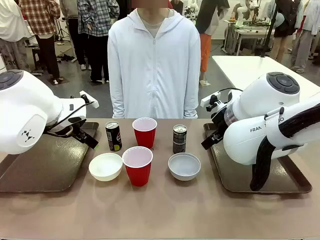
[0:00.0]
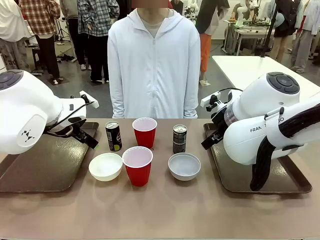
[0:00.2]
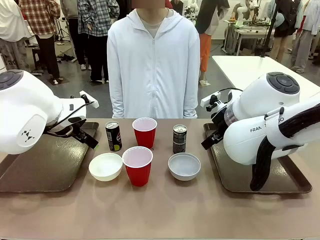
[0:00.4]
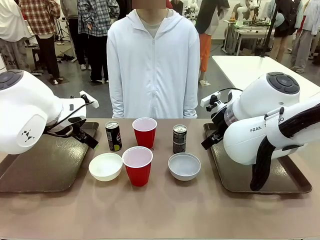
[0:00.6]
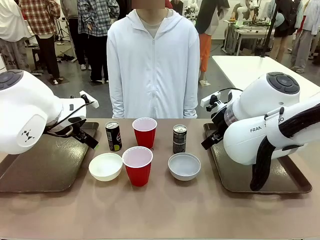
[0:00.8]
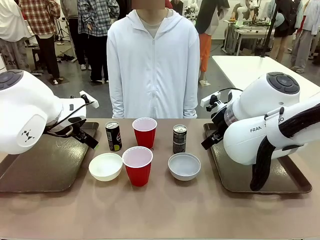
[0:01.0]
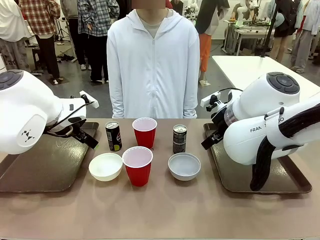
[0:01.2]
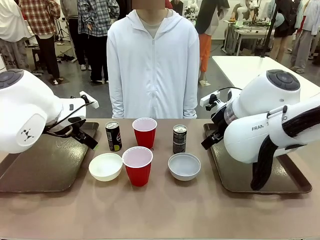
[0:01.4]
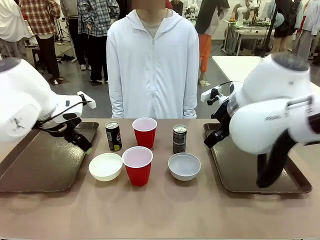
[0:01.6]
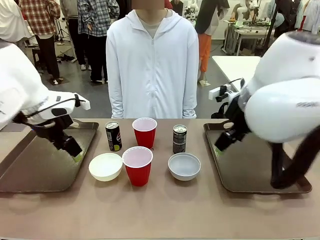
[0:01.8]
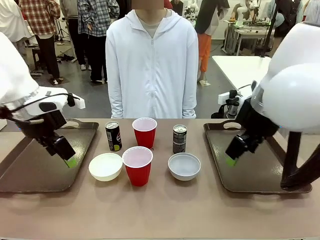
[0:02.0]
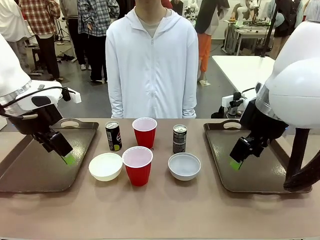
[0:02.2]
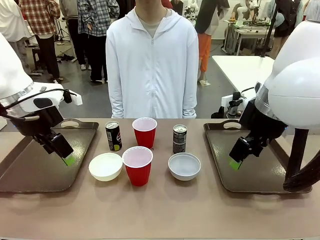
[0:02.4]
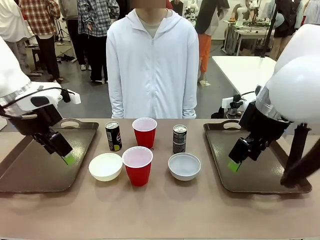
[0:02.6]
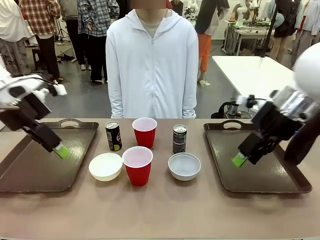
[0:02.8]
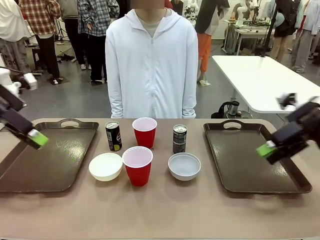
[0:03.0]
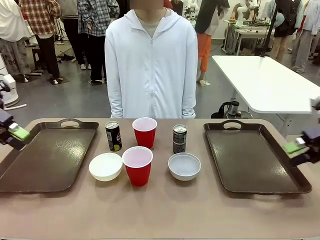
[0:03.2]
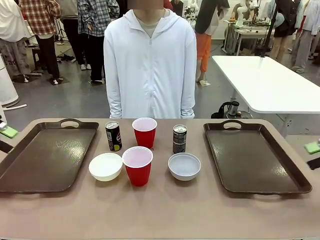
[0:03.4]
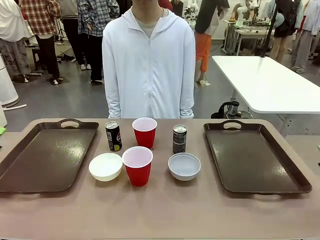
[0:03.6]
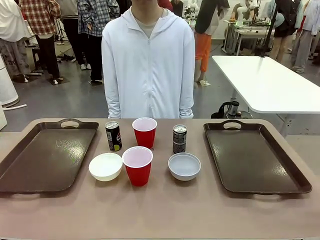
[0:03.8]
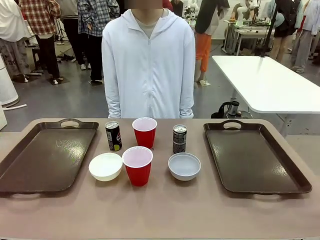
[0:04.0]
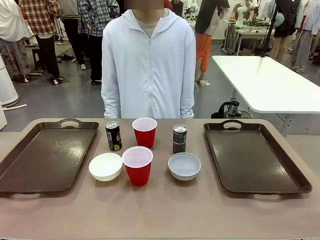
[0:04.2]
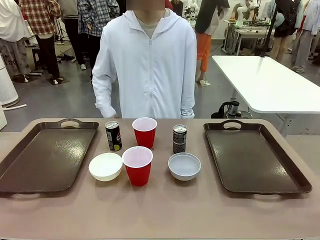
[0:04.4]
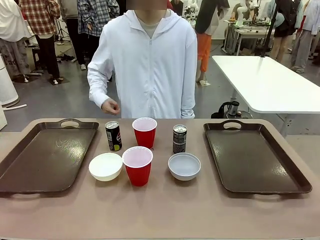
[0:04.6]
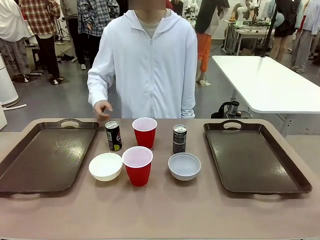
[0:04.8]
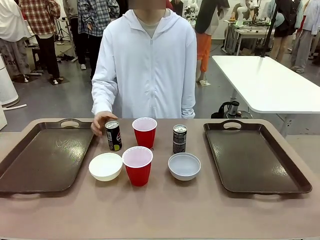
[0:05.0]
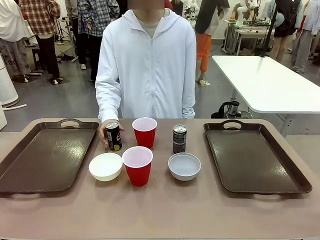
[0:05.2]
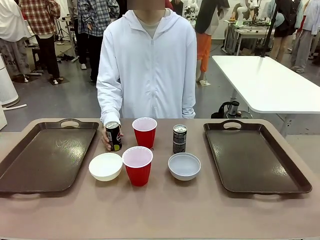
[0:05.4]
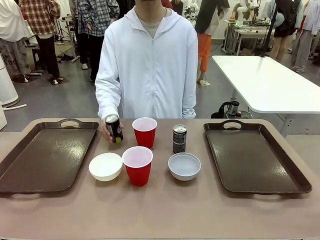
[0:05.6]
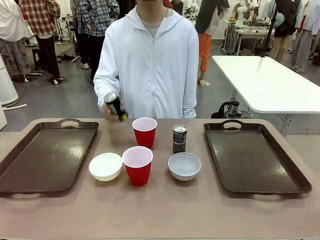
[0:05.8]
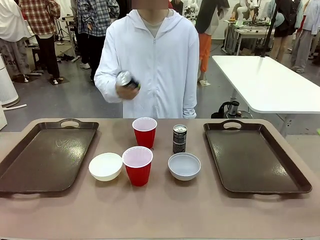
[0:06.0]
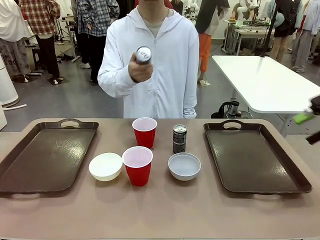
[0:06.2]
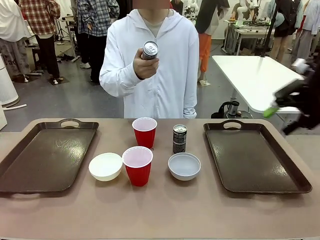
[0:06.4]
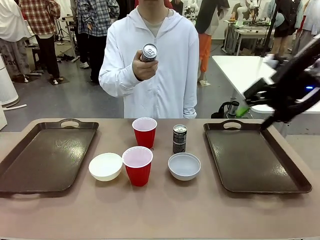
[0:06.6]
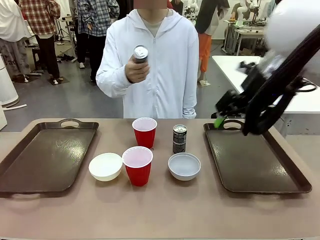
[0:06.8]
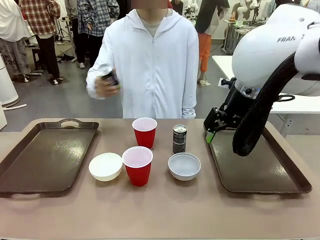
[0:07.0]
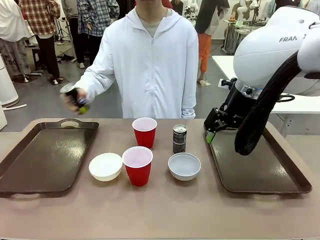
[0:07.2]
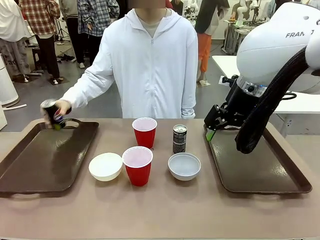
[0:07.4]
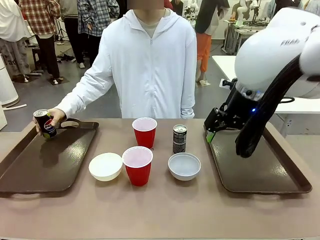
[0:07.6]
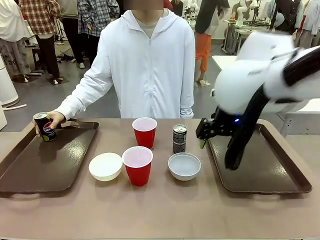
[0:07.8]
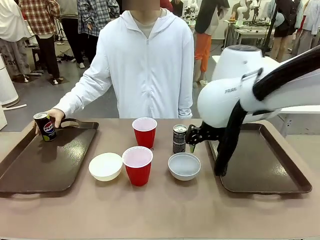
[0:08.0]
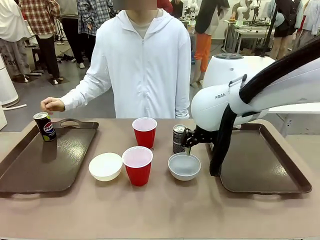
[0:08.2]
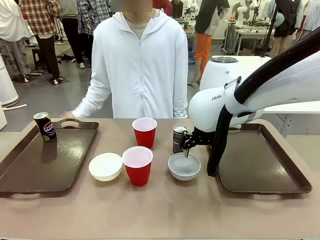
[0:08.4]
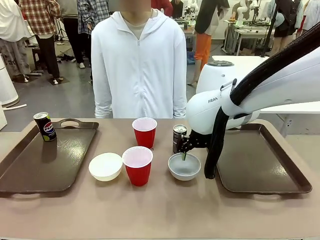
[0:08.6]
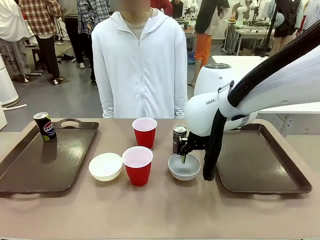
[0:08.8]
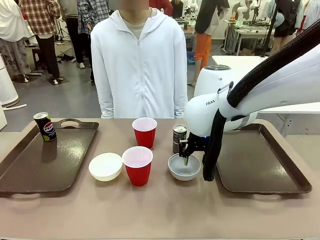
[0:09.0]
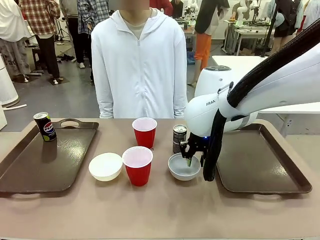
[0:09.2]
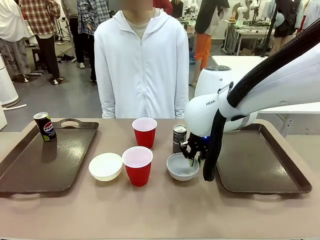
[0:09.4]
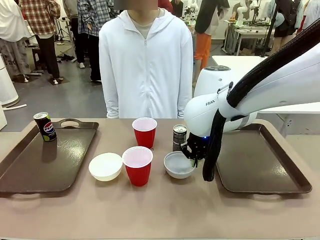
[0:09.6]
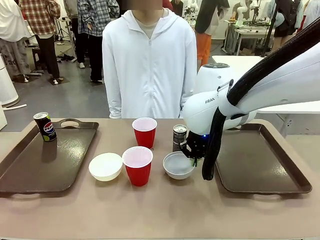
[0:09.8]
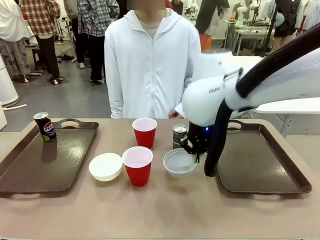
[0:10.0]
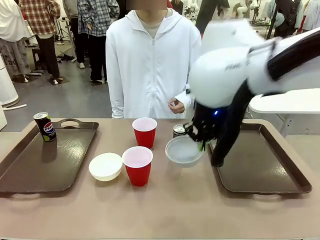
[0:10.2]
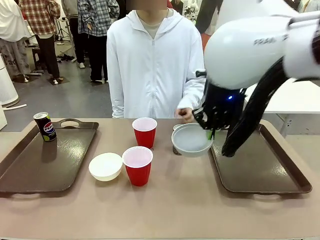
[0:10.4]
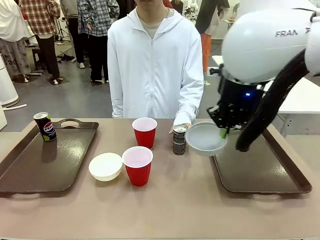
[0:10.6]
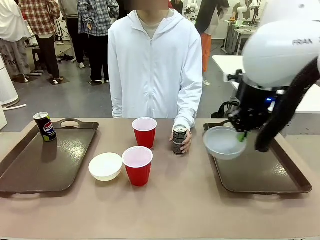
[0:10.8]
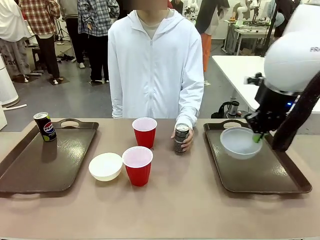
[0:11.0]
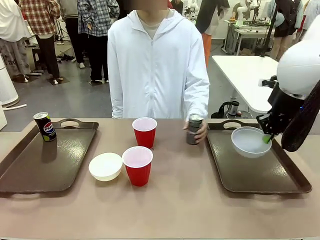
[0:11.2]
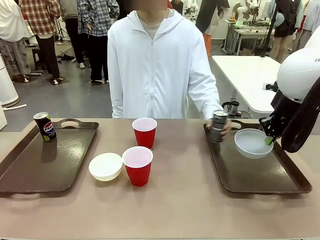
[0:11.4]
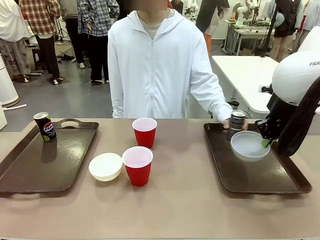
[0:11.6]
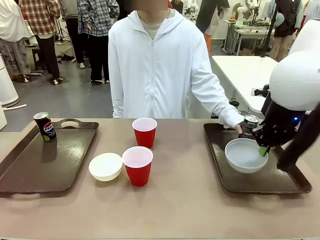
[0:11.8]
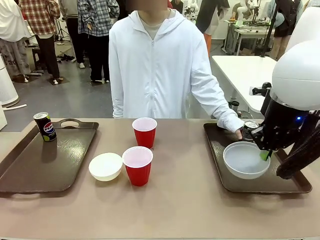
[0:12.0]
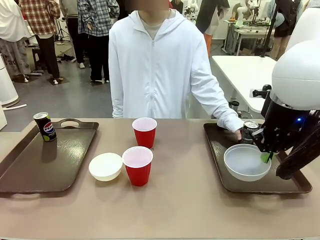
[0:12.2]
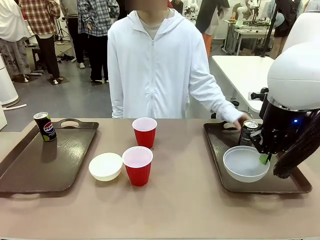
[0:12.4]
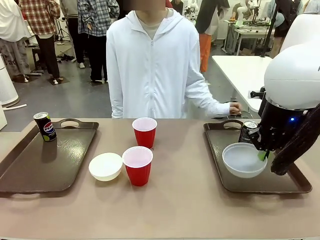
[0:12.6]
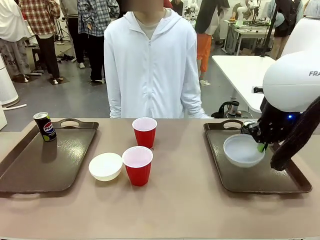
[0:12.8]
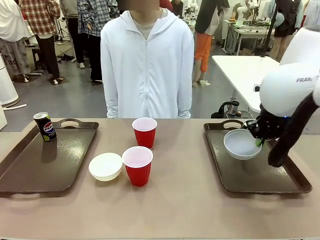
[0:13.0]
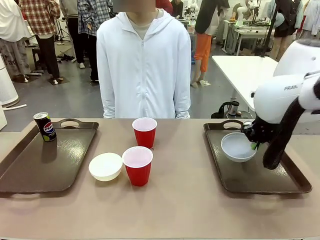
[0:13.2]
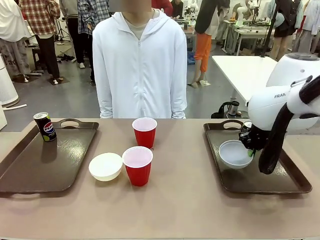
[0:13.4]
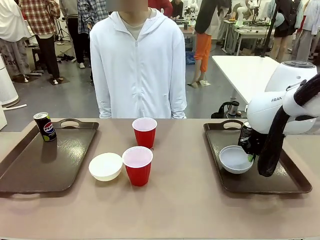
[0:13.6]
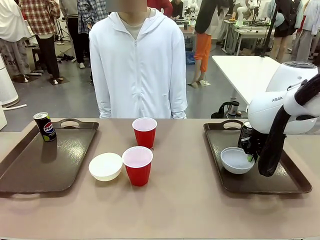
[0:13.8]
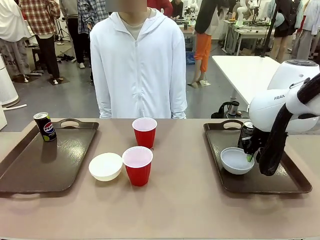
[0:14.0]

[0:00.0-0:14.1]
Task: Prepare tableware on both trays.
Robot: Pick up a Picnic Bowl from the table and place it on a Handle tray.
Person: Pick up a can or cup and place it on the tray.
